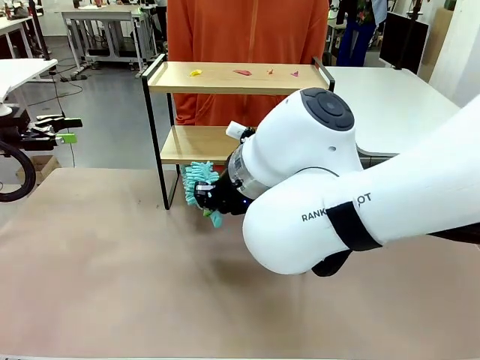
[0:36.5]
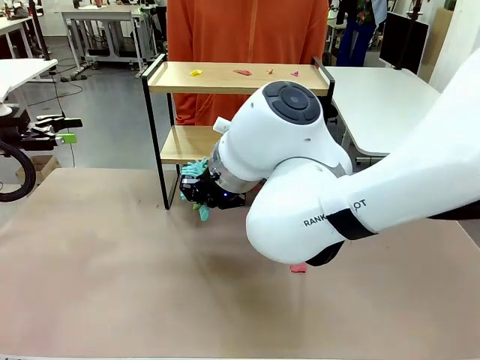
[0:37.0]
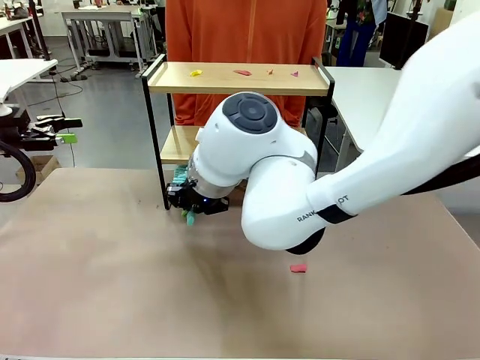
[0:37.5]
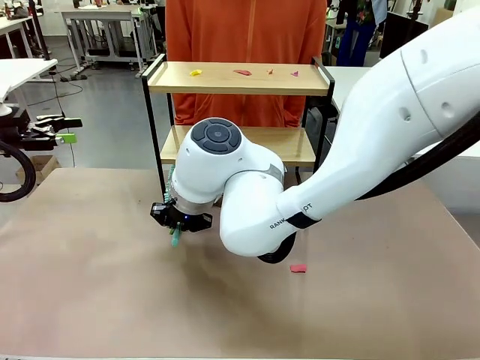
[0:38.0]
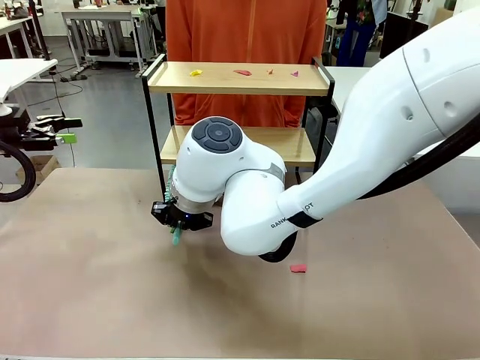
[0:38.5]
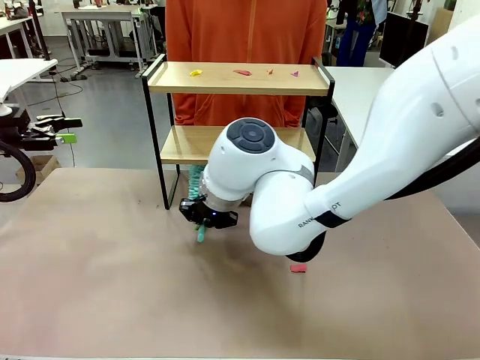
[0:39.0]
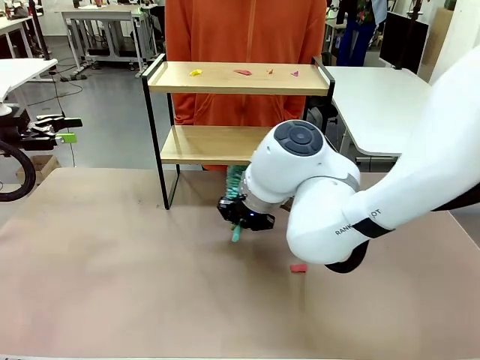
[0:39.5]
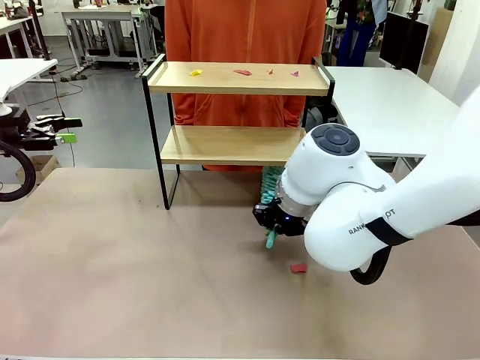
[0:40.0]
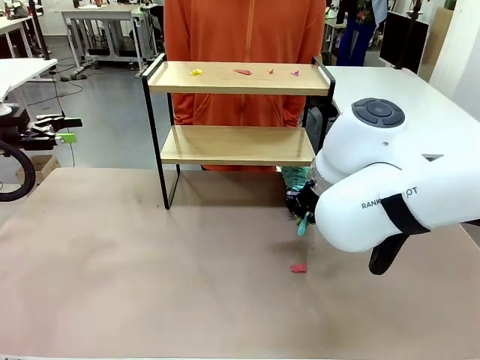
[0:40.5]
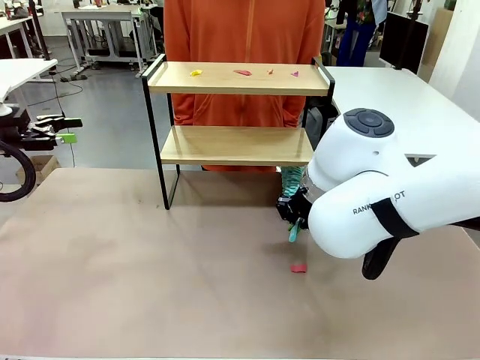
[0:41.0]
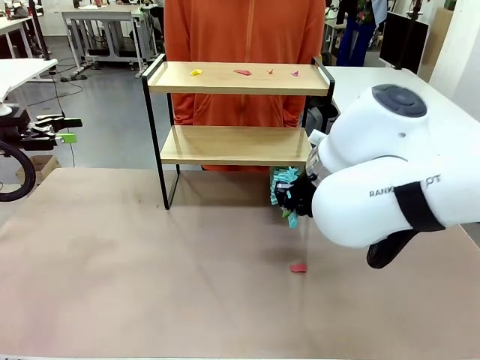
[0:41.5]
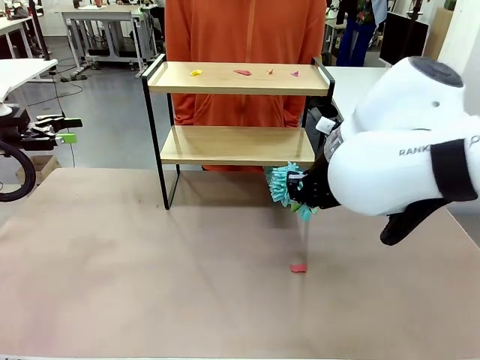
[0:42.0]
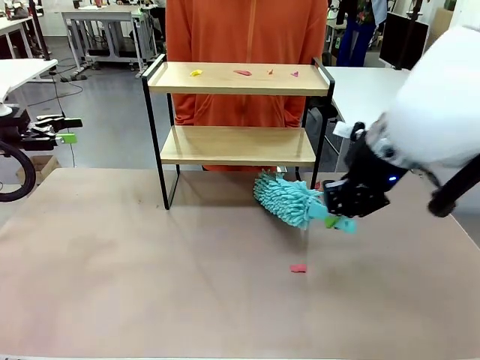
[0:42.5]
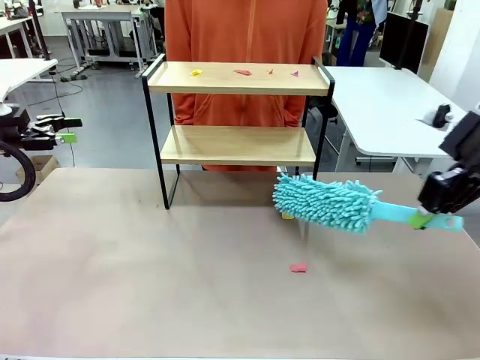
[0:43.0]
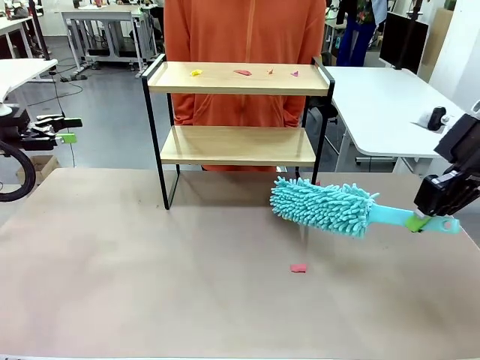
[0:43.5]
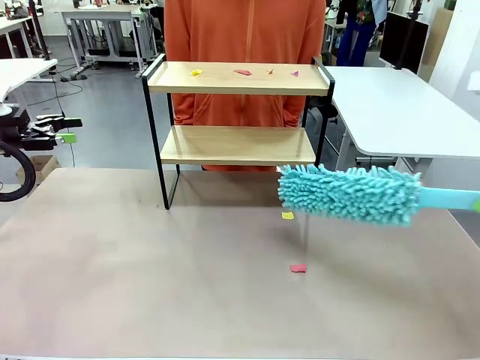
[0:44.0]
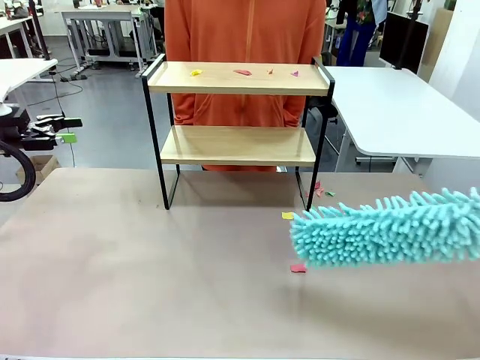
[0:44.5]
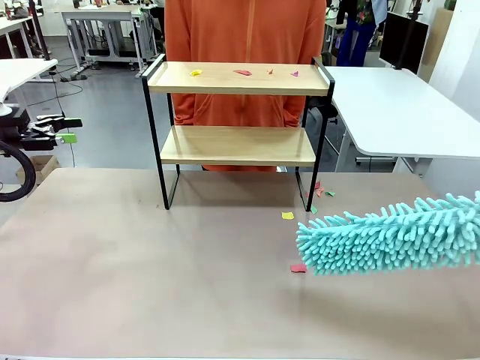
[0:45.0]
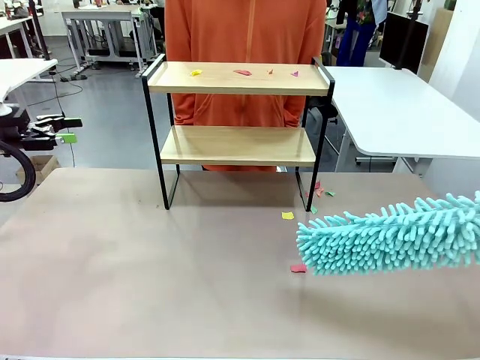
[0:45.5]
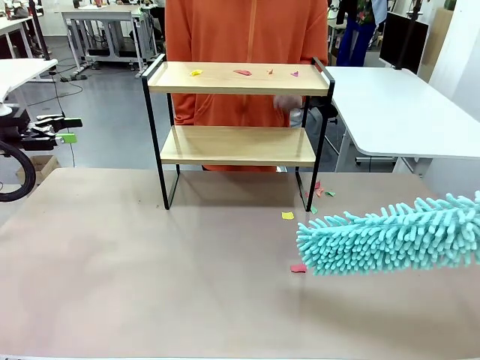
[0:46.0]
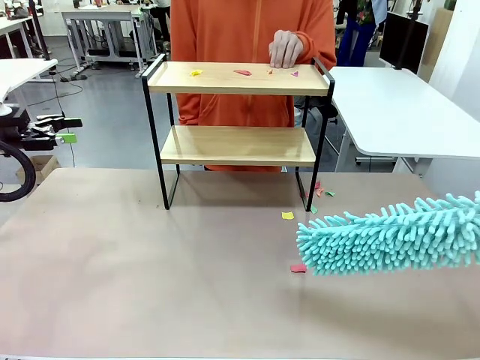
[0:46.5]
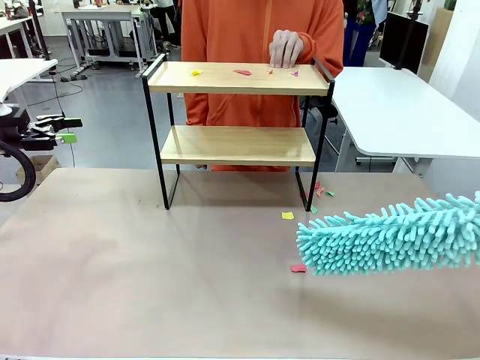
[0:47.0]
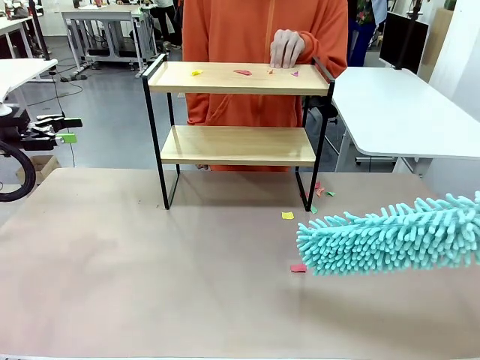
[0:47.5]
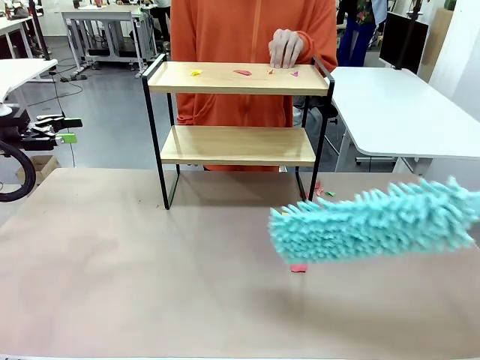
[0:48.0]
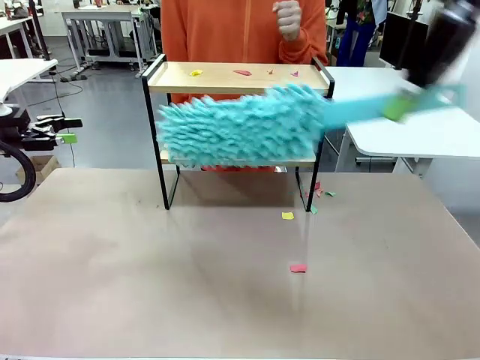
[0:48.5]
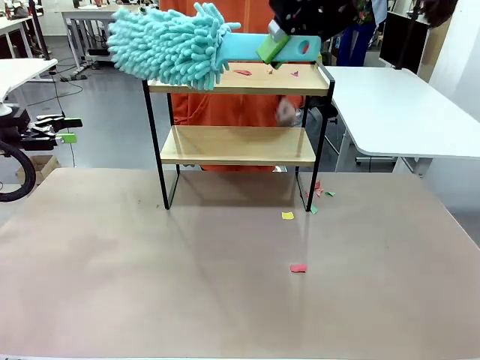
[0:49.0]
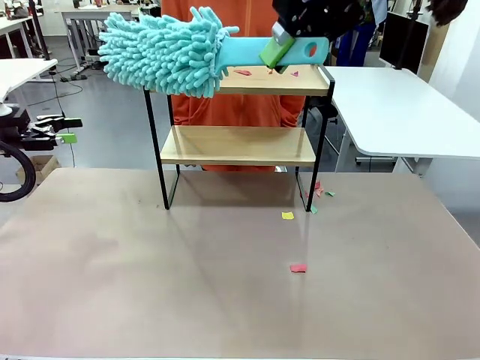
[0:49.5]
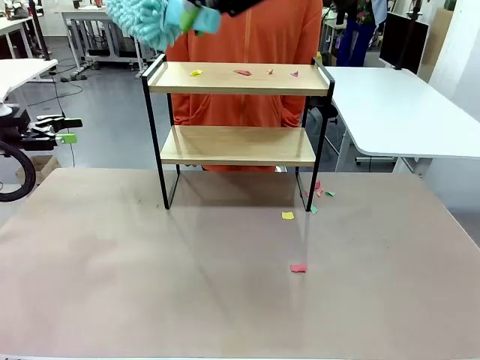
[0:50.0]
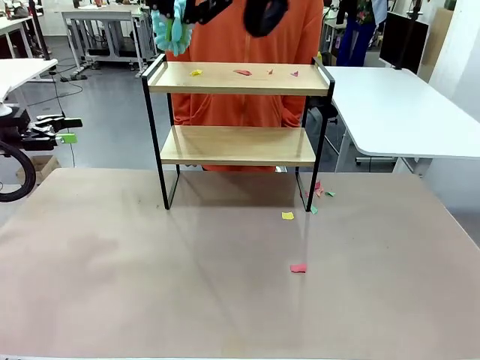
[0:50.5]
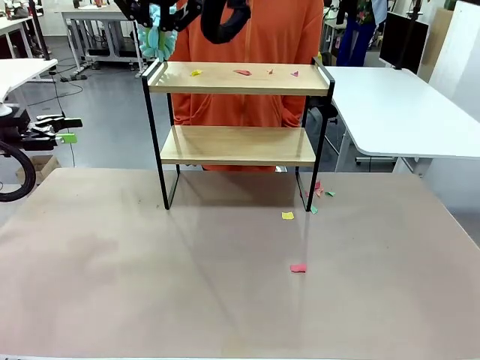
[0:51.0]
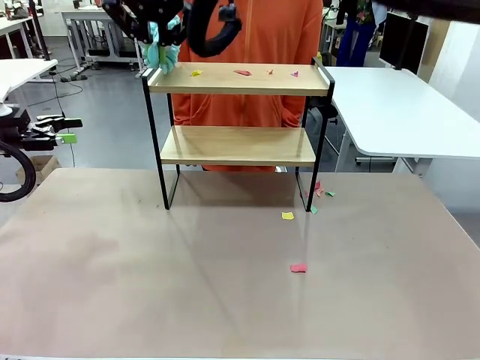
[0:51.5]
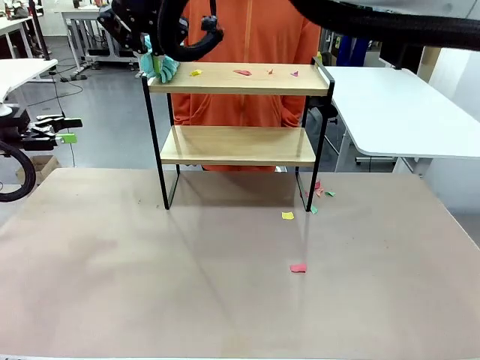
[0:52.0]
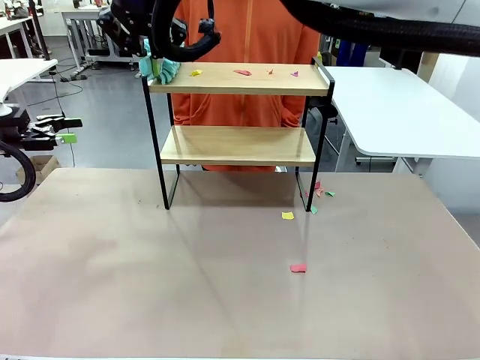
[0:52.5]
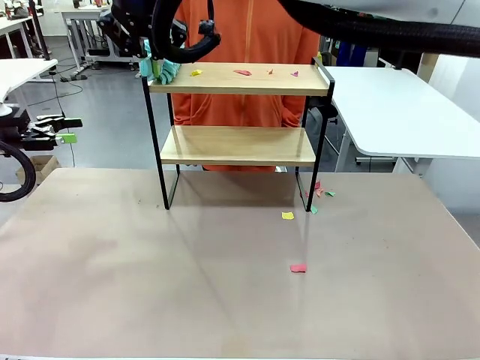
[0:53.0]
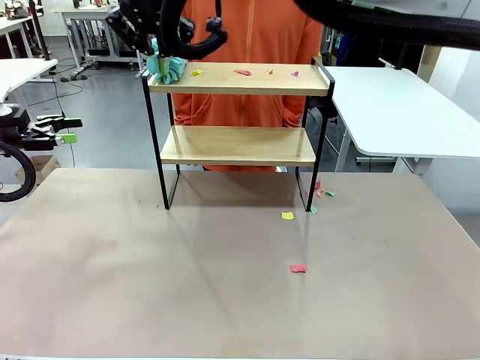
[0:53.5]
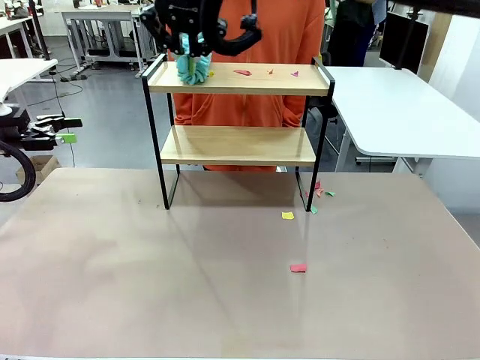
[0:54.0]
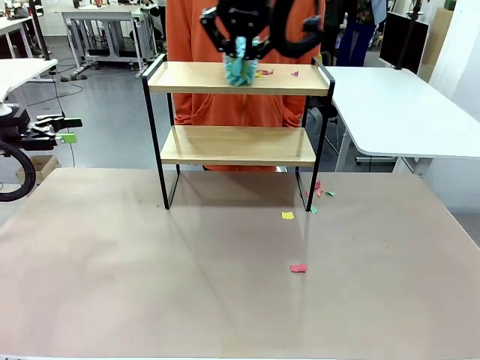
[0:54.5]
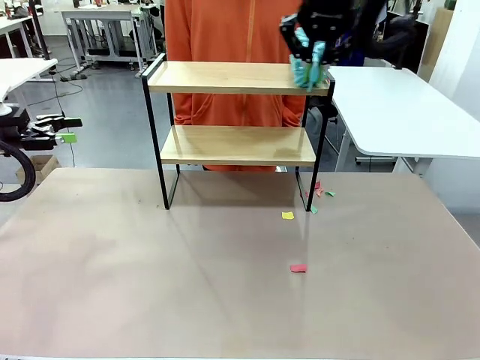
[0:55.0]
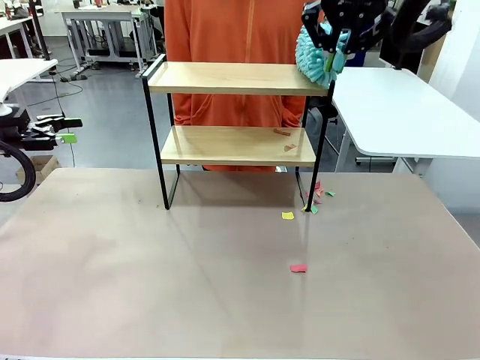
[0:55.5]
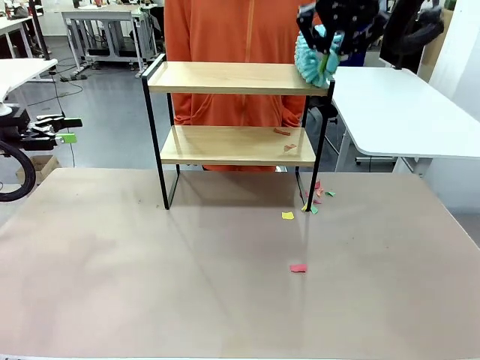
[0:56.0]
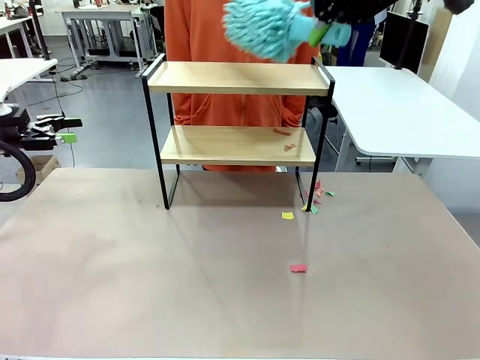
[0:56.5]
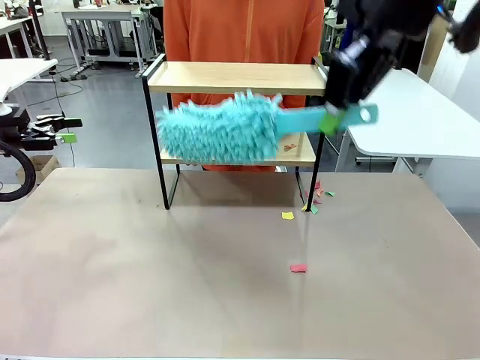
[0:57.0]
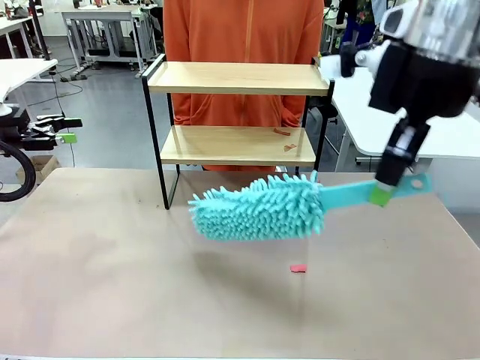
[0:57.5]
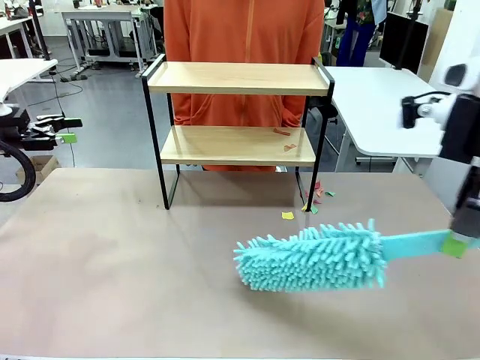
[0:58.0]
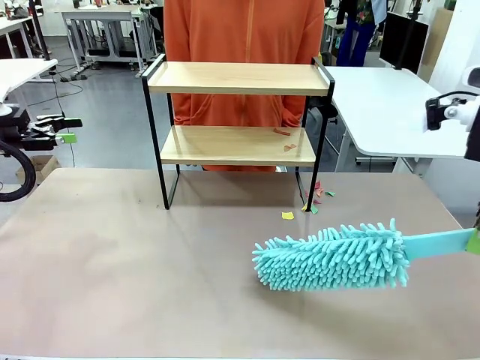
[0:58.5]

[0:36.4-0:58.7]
Task: Clean the shelf.
Robot: Clean the specific section of the Shelf indicated by the human with the Duster.
Person: Point a remaining section of the Shelf.
